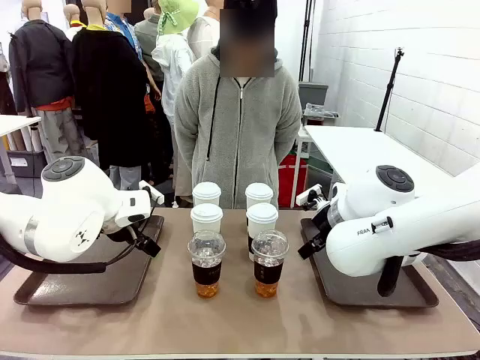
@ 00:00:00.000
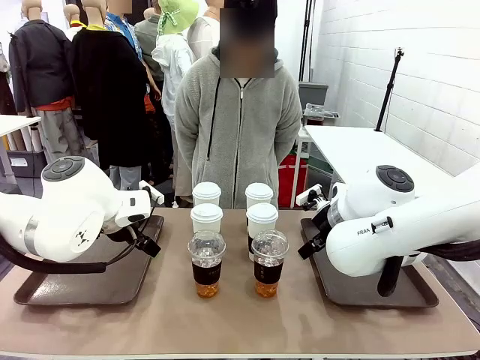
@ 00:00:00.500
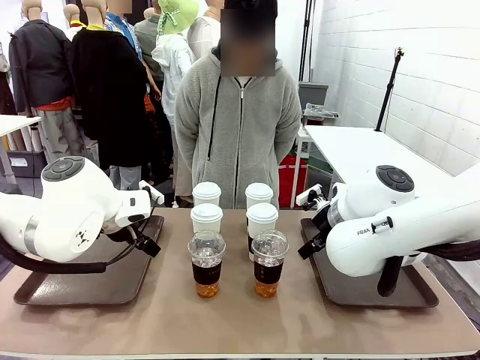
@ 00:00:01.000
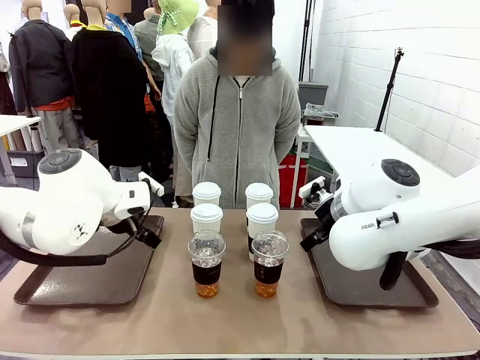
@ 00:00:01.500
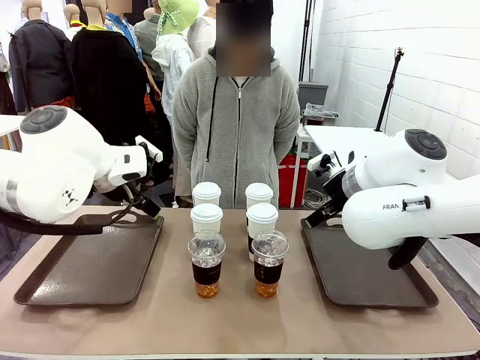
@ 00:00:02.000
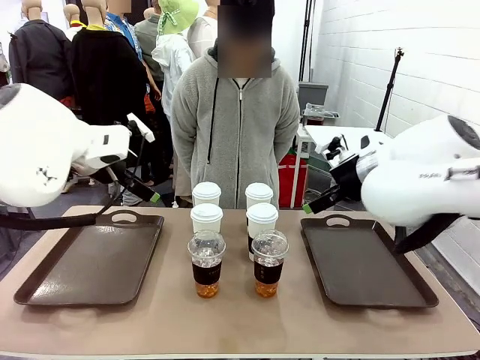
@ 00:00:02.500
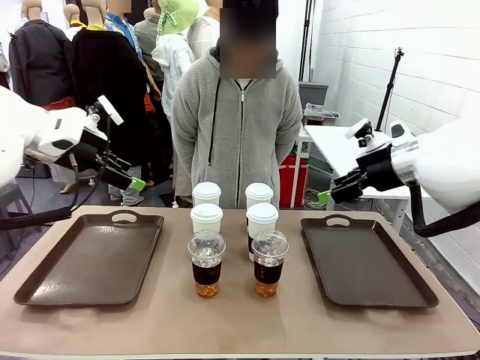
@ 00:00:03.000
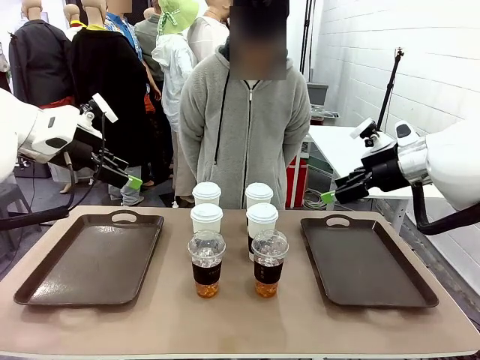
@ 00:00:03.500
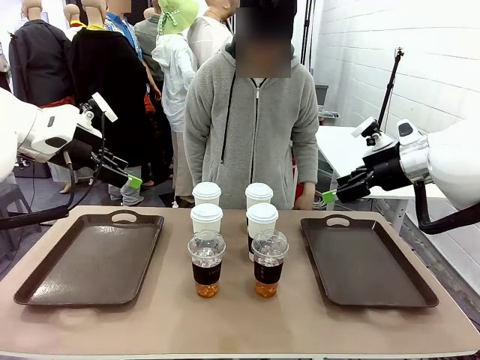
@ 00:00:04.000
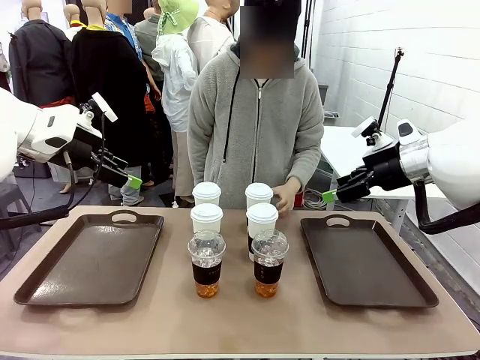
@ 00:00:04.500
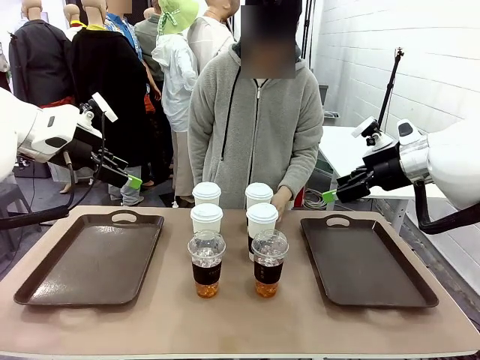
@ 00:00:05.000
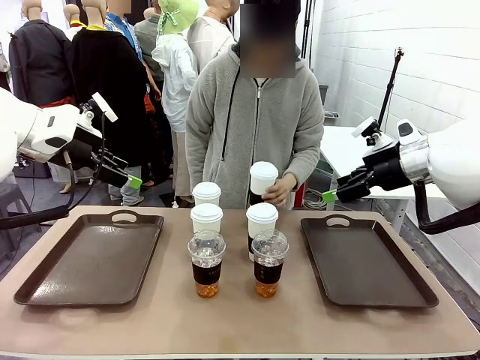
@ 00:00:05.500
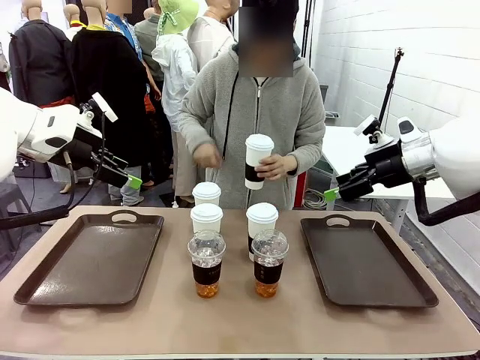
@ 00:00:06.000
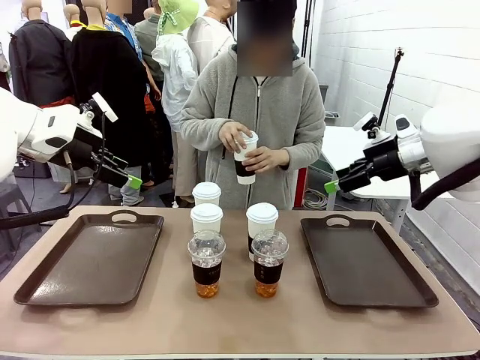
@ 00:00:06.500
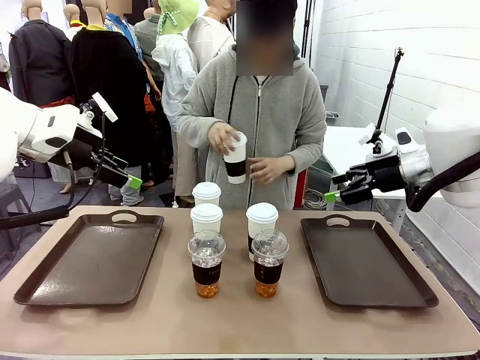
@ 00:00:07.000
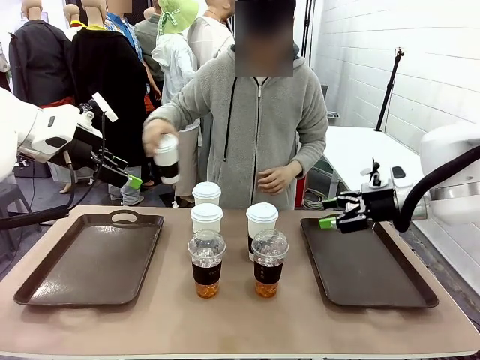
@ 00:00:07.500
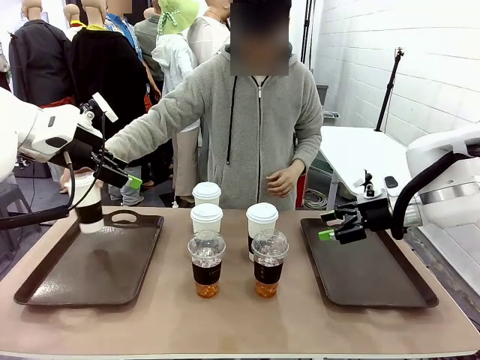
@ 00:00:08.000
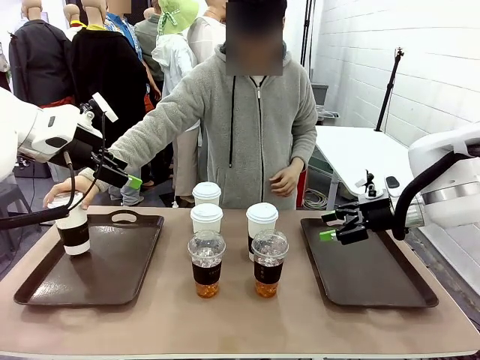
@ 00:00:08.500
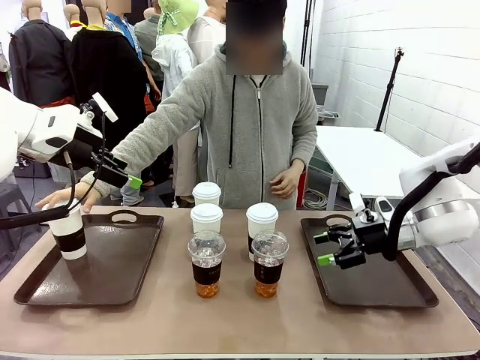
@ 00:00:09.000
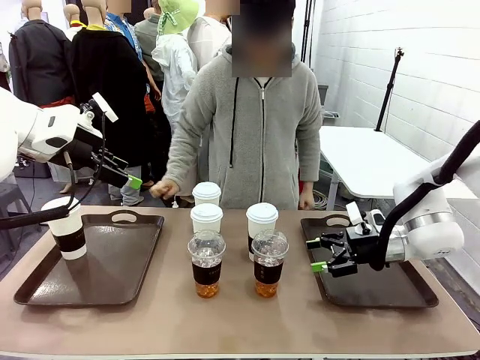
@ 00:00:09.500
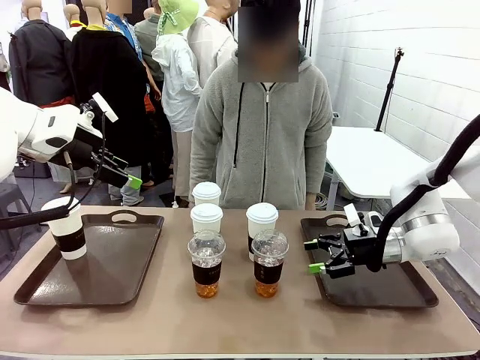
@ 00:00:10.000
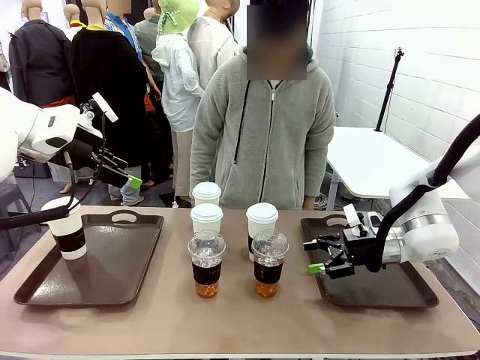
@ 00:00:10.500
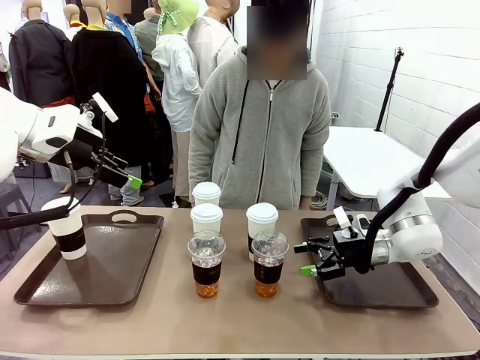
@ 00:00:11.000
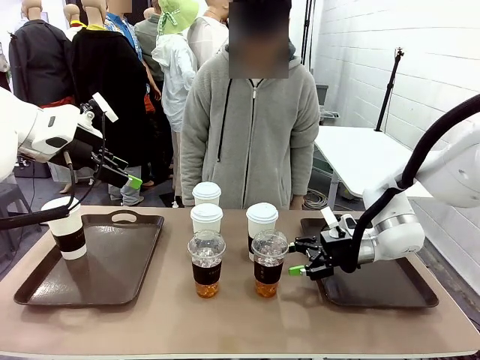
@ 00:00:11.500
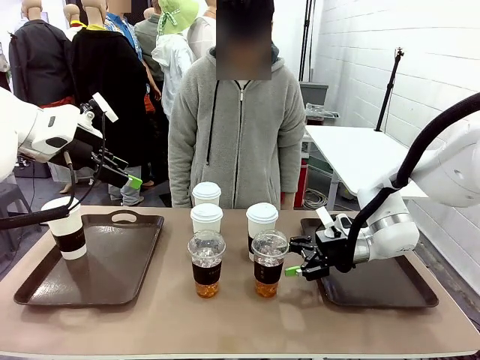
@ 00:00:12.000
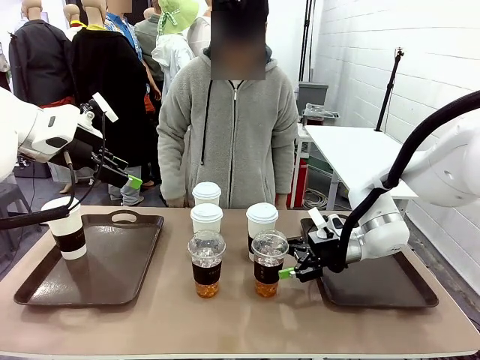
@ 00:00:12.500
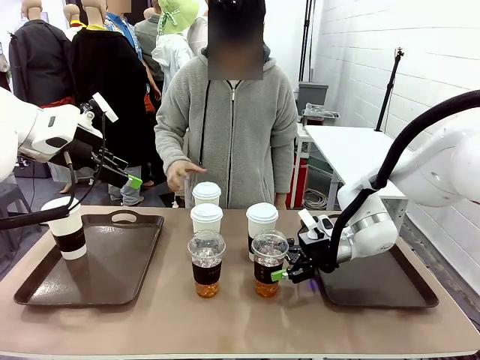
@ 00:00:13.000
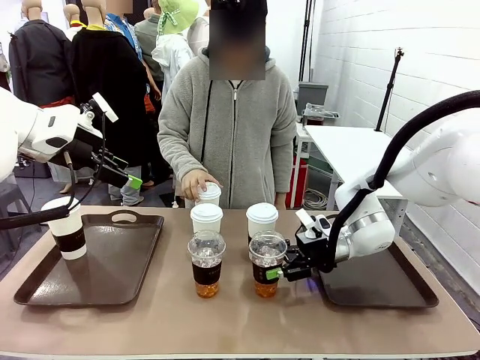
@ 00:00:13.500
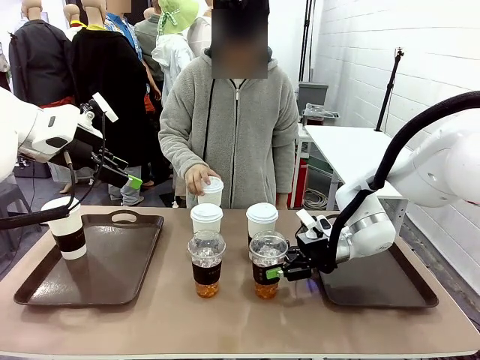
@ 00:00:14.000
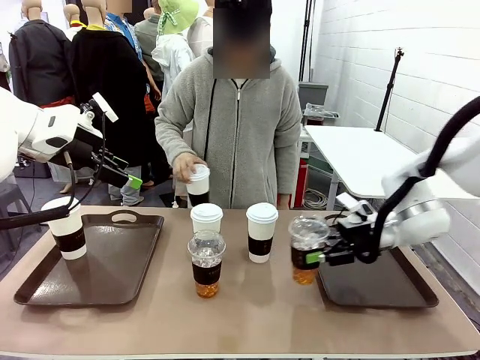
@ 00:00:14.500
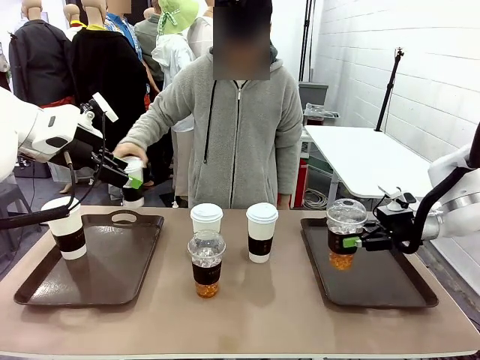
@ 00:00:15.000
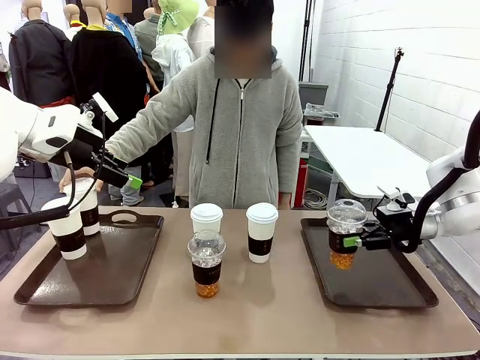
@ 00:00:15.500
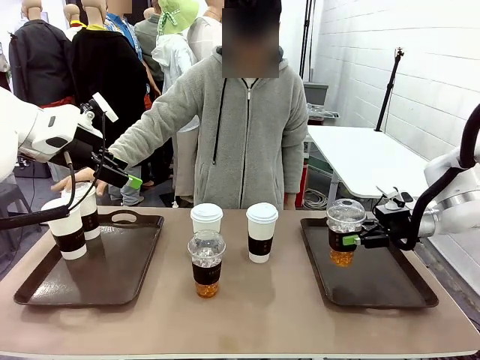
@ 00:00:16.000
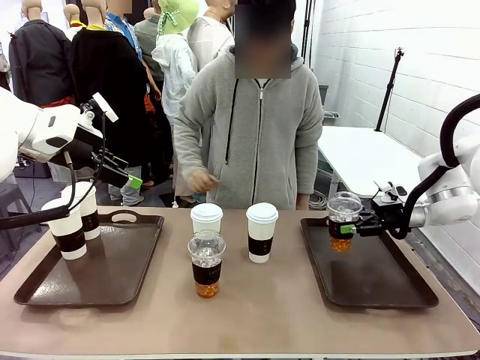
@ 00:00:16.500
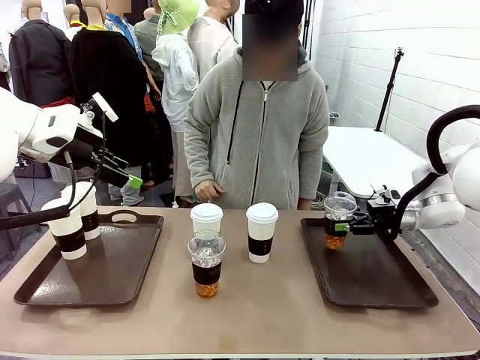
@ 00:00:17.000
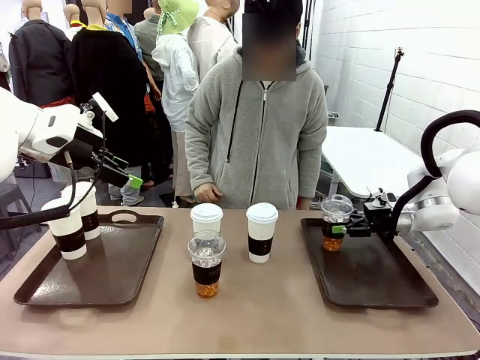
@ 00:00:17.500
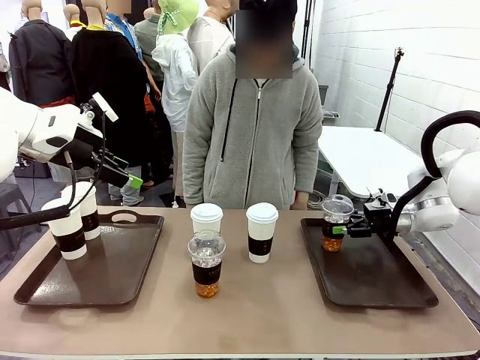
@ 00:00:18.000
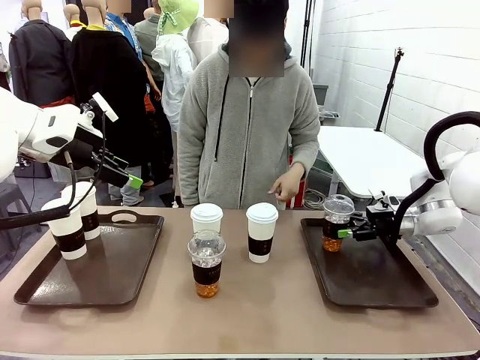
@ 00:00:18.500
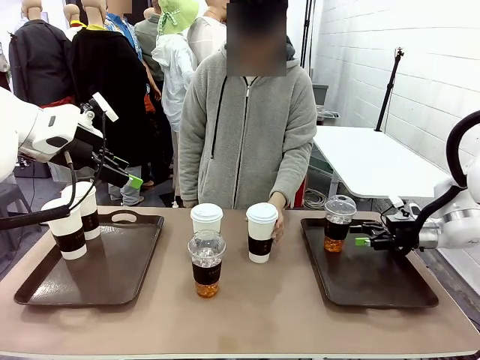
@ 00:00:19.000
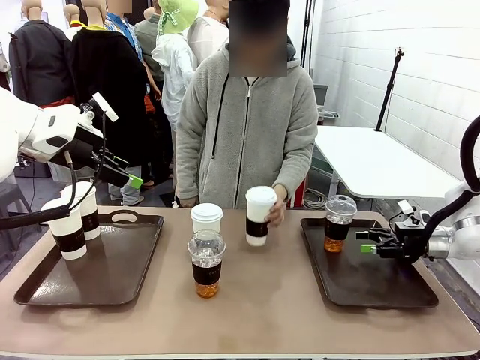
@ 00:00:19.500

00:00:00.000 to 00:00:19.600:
Task: Distribute the coffee onto the tray.
Robot: Pick up one iced Americano and place it on the right Handle tray.
Person: Pick up a cup of hot Americano and place it on the right tray.
